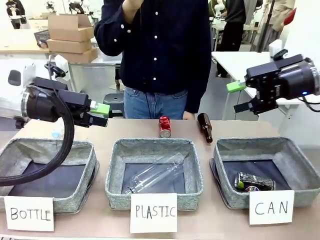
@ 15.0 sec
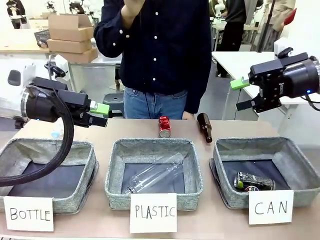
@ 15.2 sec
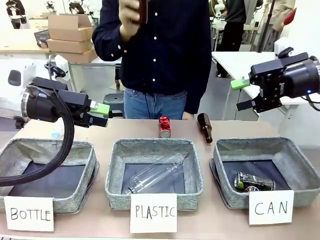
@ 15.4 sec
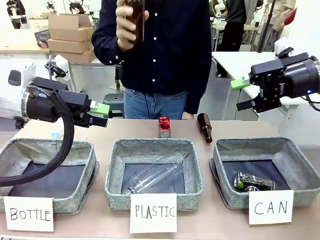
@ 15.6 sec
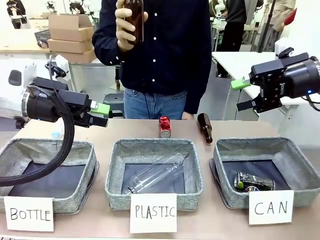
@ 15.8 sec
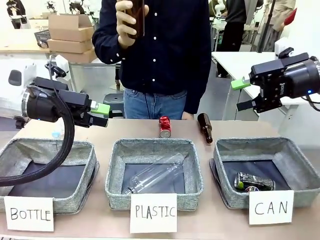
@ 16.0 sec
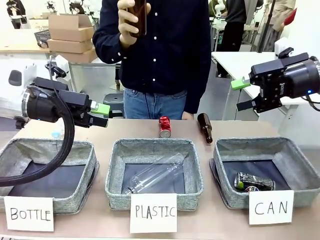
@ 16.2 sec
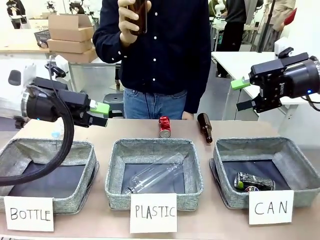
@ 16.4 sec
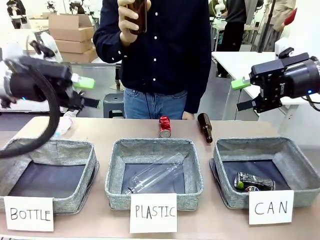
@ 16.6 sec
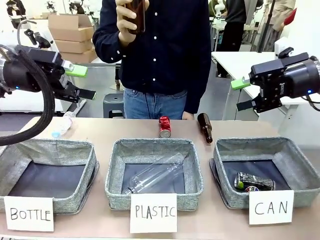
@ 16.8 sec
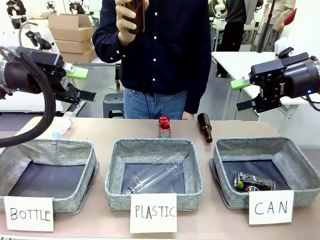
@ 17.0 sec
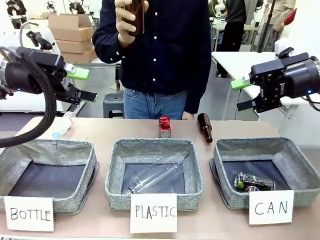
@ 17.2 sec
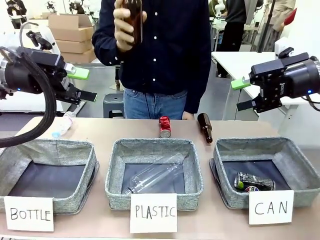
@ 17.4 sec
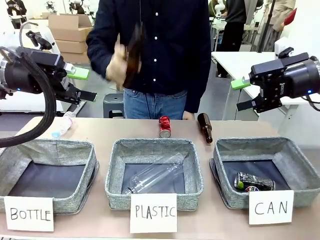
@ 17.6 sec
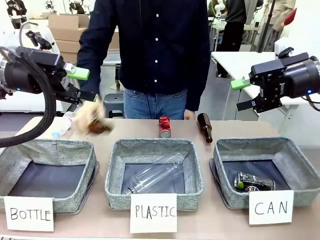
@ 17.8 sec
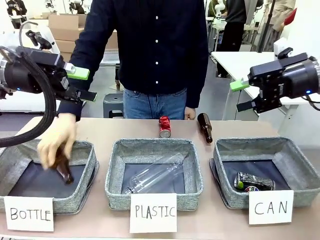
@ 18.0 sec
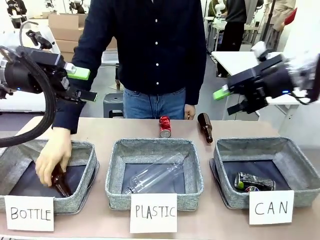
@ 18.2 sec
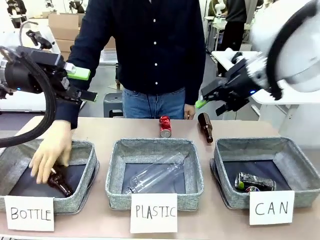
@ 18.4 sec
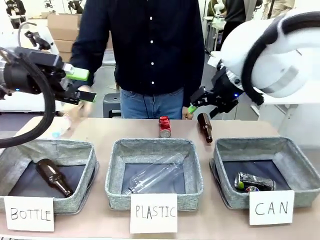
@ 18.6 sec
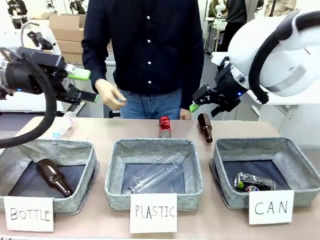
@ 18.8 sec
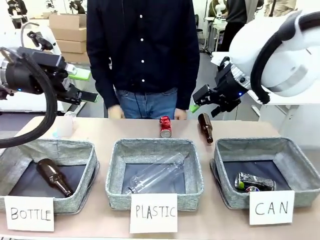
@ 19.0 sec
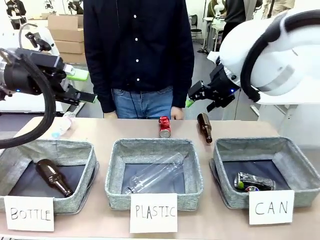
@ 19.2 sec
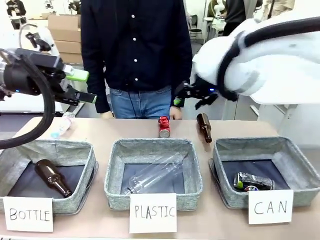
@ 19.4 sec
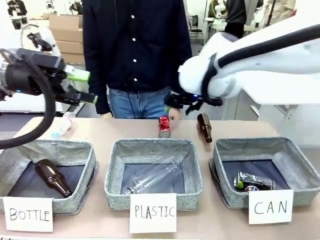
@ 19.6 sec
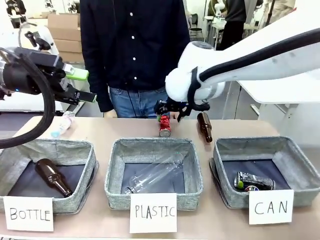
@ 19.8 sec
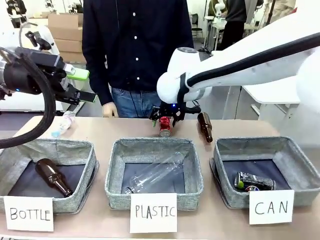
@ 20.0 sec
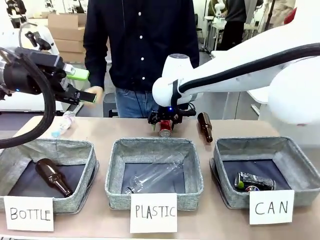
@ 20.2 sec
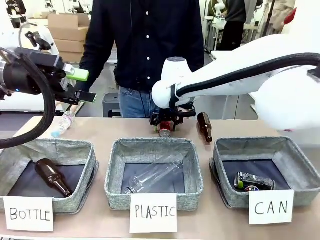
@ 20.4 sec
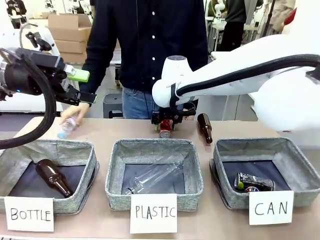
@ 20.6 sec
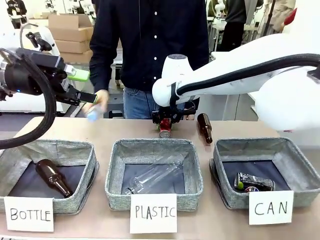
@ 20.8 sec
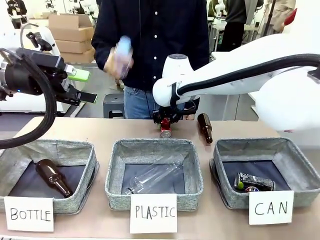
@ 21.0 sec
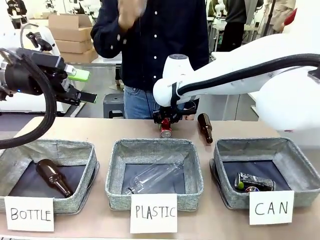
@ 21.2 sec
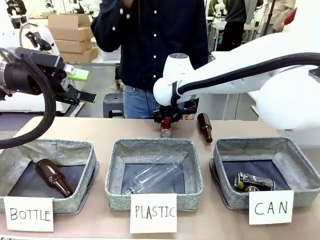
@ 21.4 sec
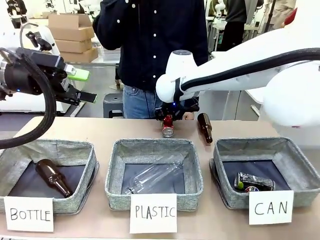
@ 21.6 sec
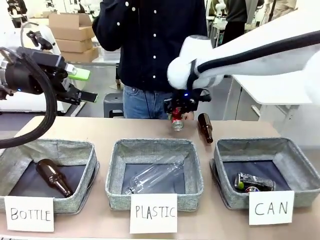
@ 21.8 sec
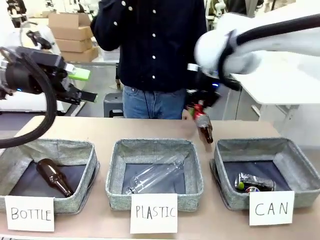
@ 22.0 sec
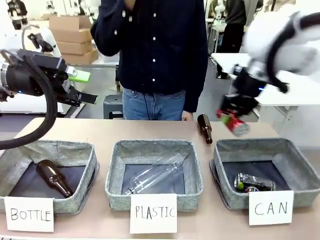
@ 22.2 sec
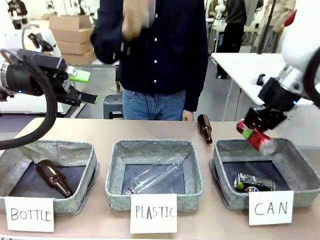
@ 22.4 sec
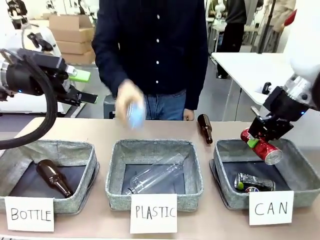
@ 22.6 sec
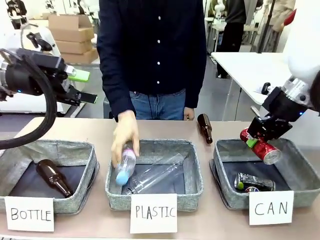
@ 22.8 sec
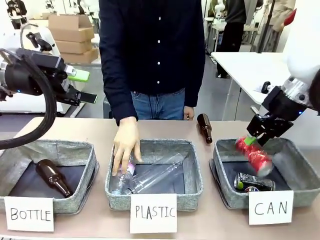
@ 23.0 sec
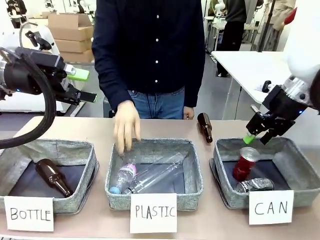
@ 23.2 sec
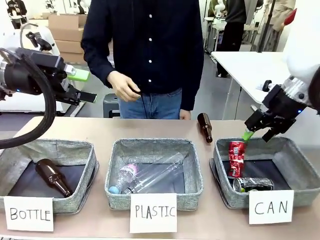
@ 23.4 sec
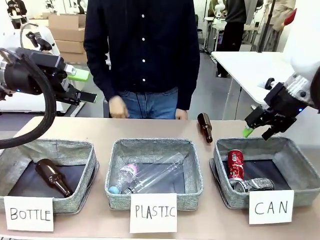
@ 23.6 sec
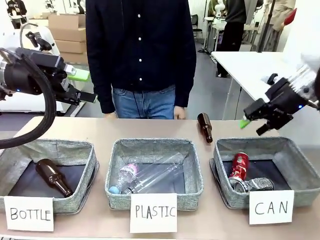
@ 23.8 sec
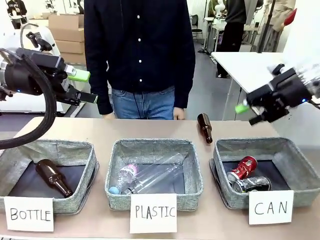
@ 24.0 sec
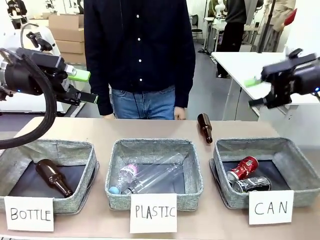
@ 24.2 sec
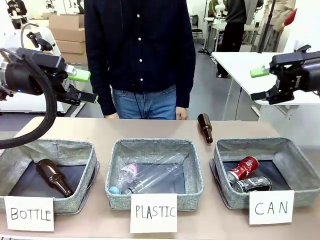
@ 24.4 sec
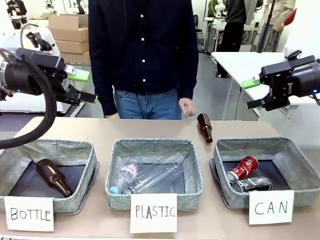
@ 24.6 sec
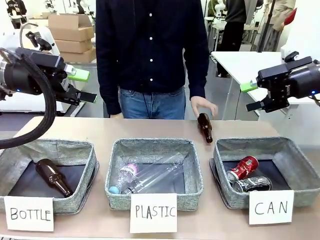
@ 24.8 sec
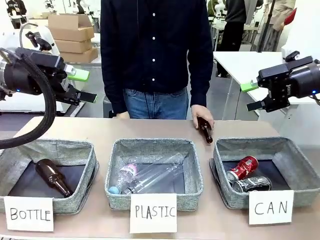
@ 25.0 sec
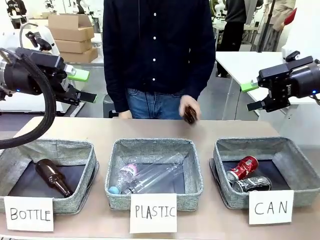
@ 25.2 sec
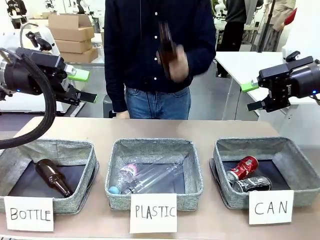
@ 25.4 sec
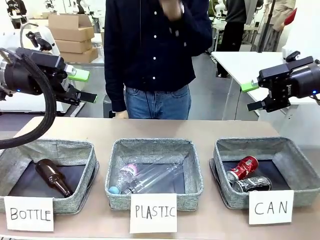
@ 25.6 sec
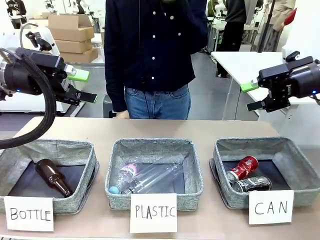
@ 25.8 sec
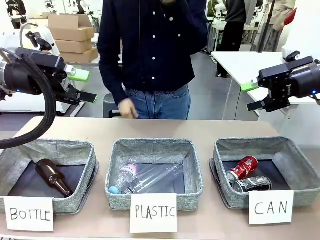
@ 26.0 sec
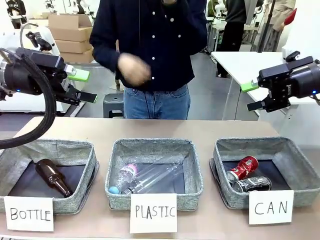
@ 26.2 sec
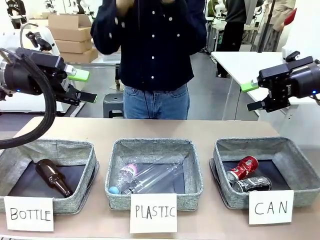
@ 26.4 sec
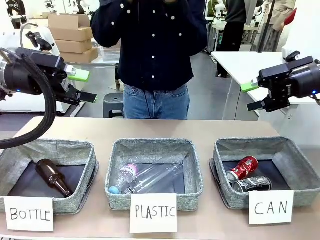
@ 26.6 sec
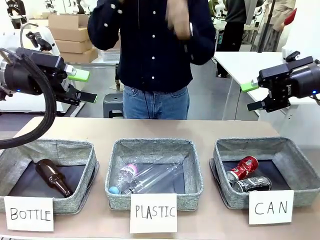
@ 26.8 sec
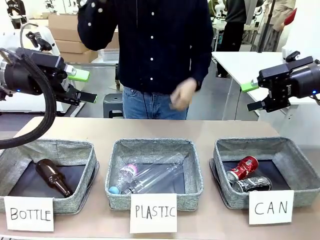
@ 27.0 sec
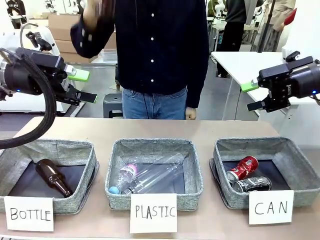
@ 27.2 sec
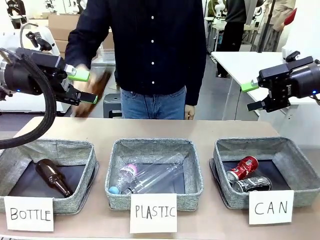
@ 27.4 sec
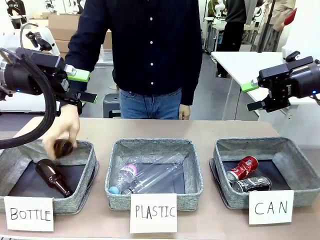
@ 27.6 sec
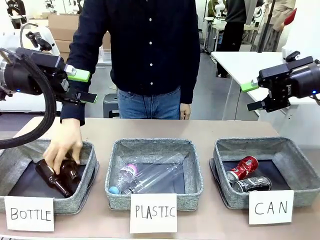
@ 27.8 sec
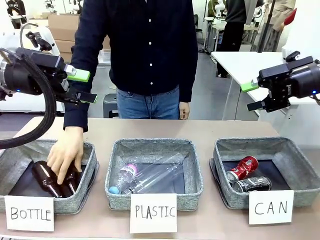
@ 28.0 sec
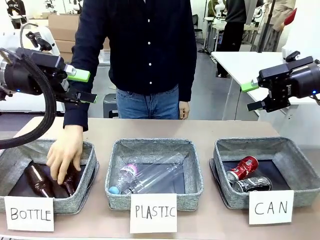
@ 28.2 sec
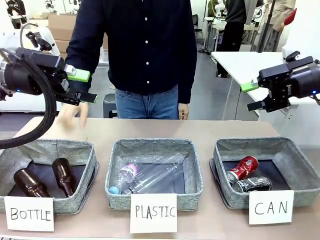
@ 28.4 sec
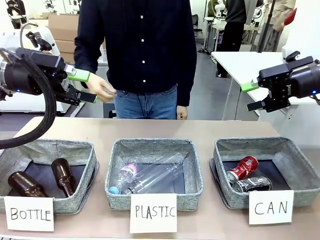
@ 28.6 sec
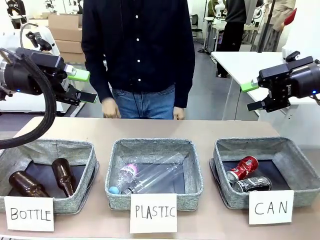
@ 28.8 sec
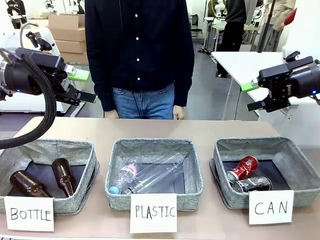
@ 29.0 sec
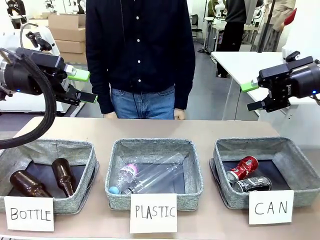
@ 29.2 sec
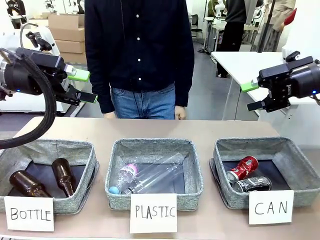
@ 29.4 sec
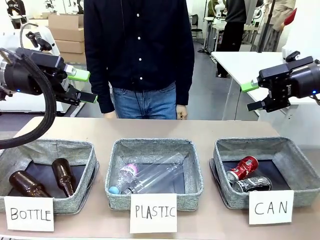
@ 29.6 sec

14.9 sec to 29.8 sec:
Task: Sort the can waste into the basket.
Robot: Pick up the can waste from the table and place it in the right Fabric basket.
